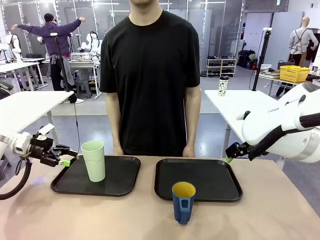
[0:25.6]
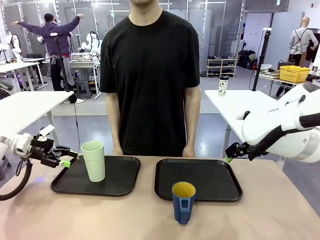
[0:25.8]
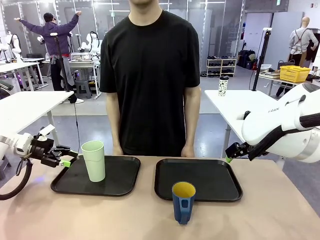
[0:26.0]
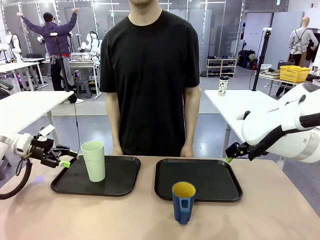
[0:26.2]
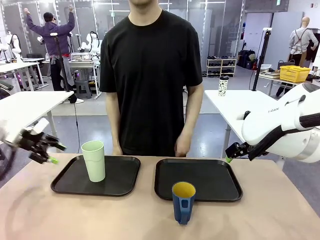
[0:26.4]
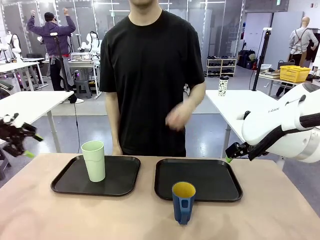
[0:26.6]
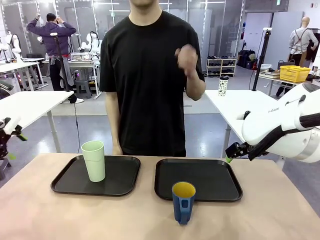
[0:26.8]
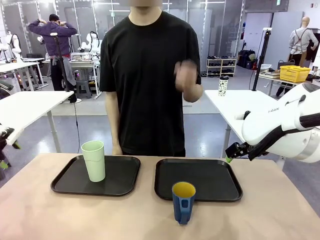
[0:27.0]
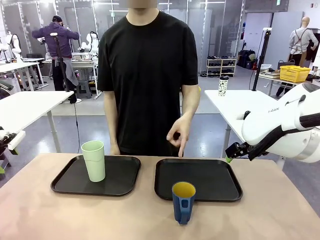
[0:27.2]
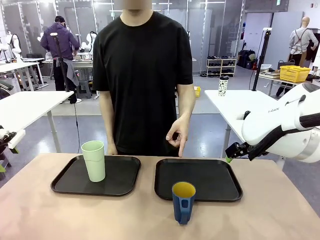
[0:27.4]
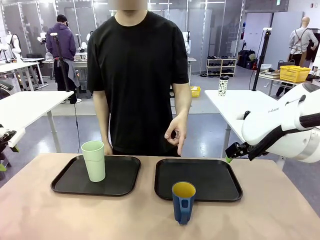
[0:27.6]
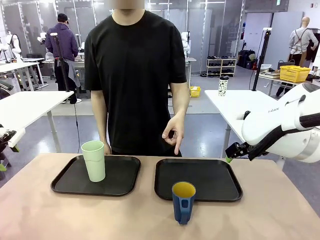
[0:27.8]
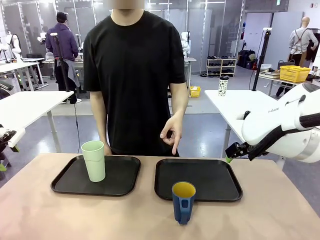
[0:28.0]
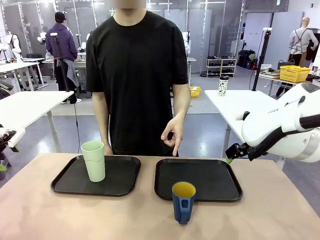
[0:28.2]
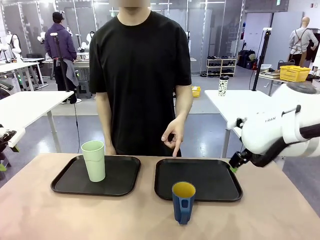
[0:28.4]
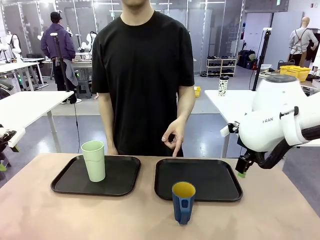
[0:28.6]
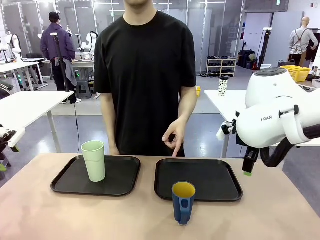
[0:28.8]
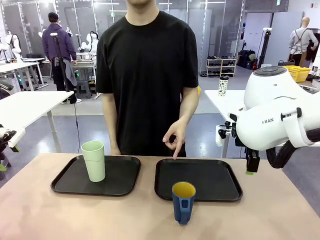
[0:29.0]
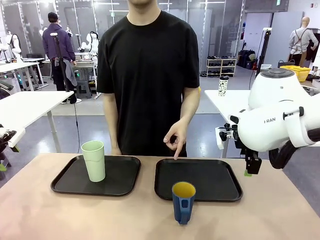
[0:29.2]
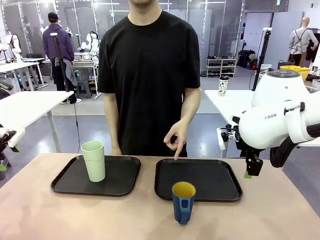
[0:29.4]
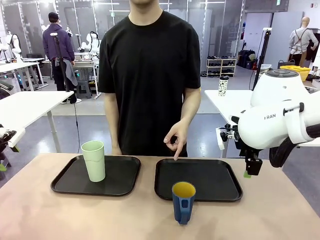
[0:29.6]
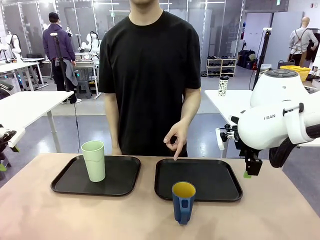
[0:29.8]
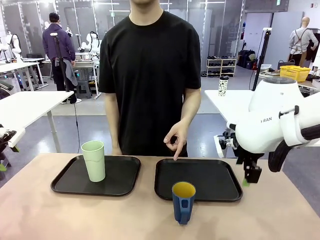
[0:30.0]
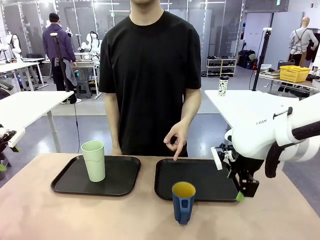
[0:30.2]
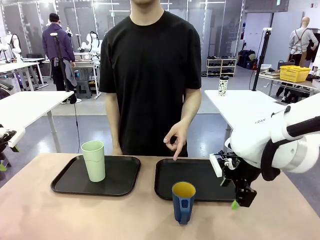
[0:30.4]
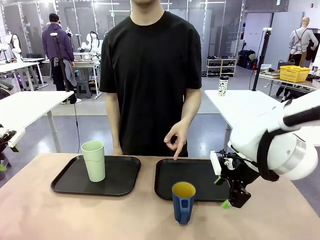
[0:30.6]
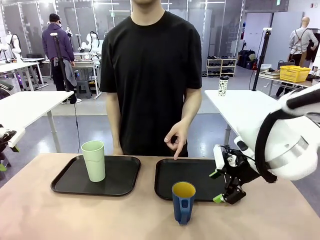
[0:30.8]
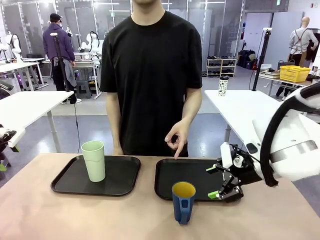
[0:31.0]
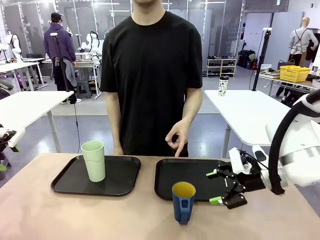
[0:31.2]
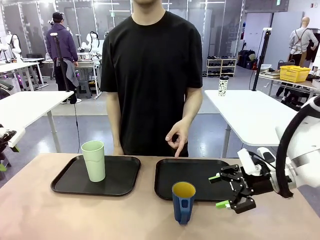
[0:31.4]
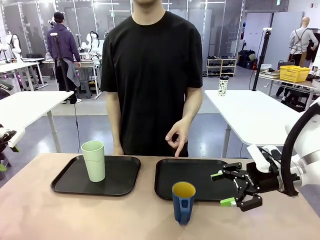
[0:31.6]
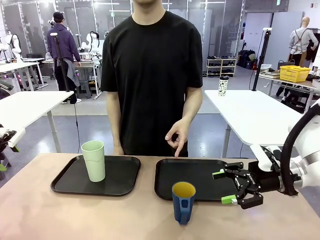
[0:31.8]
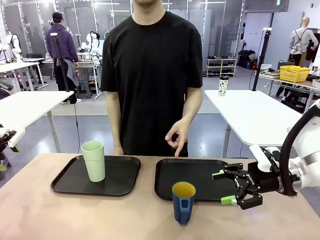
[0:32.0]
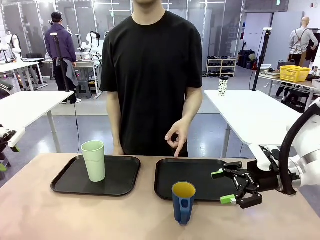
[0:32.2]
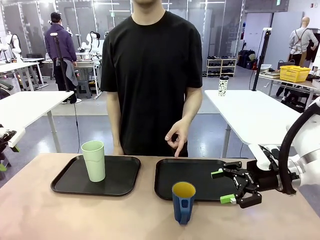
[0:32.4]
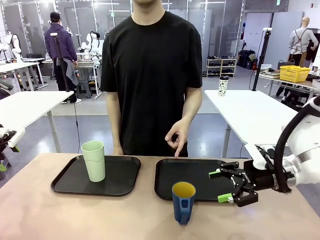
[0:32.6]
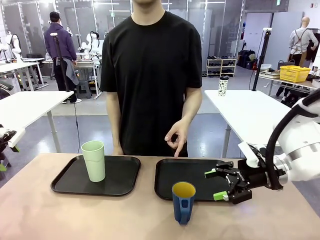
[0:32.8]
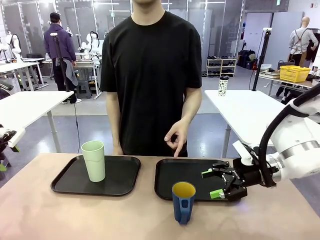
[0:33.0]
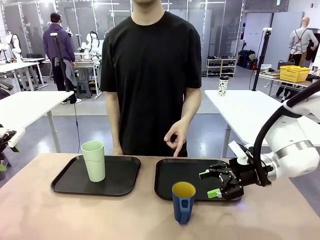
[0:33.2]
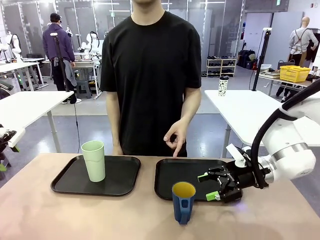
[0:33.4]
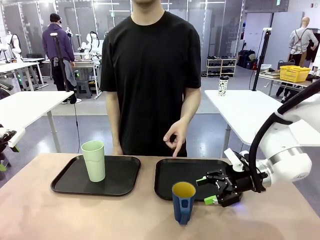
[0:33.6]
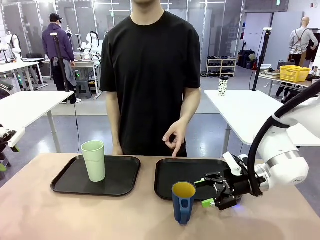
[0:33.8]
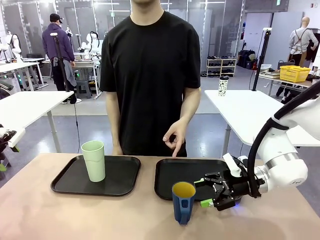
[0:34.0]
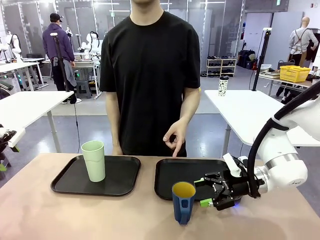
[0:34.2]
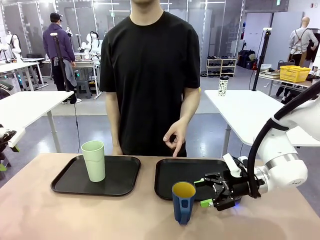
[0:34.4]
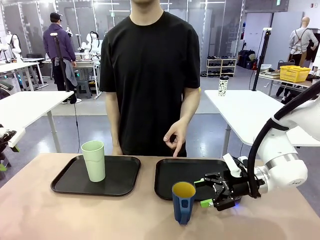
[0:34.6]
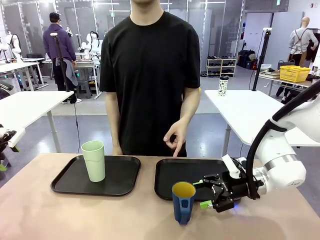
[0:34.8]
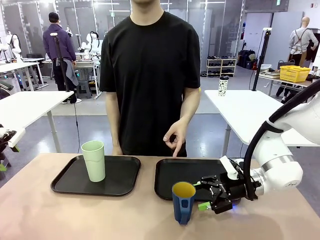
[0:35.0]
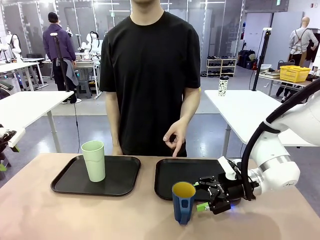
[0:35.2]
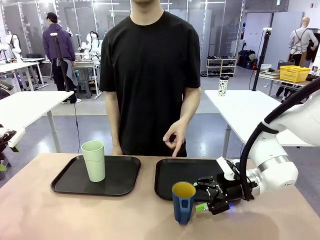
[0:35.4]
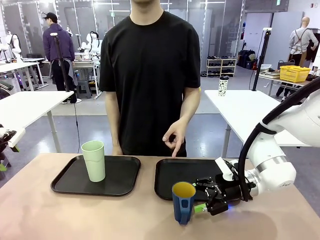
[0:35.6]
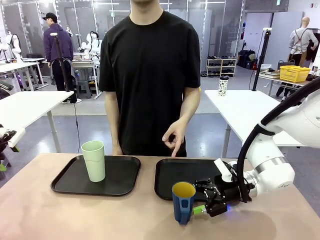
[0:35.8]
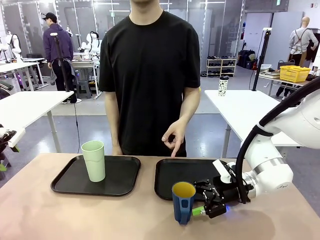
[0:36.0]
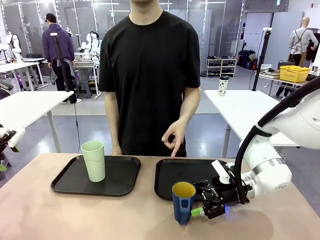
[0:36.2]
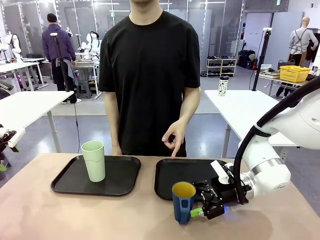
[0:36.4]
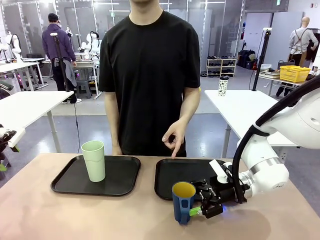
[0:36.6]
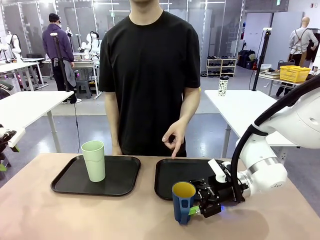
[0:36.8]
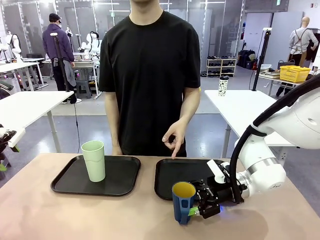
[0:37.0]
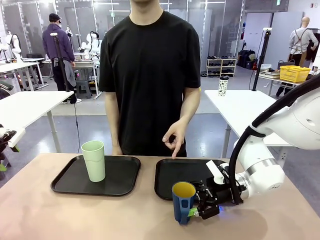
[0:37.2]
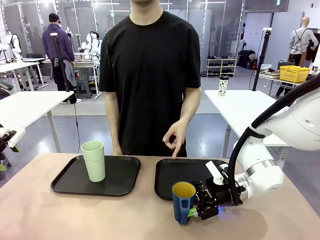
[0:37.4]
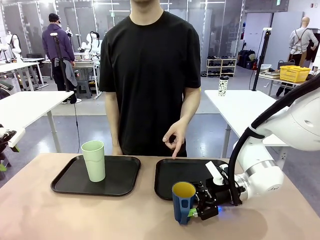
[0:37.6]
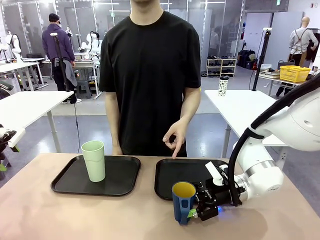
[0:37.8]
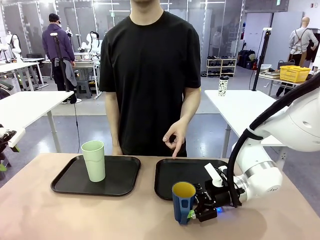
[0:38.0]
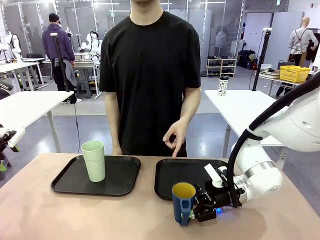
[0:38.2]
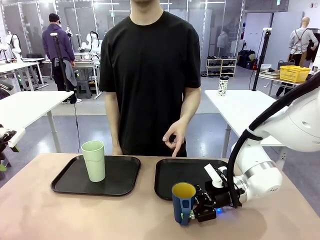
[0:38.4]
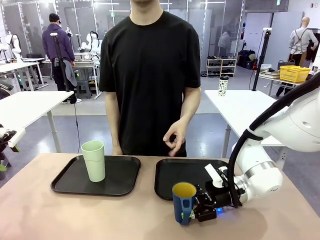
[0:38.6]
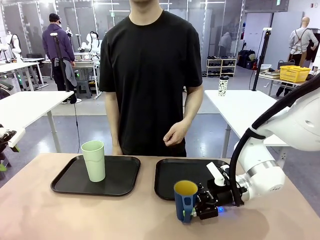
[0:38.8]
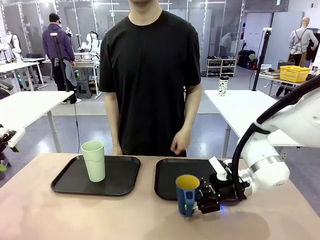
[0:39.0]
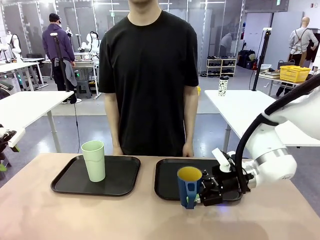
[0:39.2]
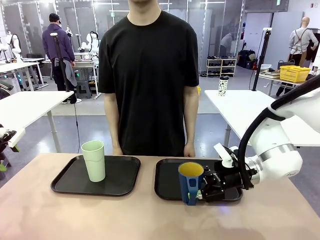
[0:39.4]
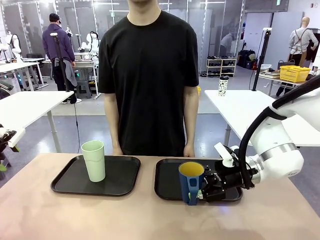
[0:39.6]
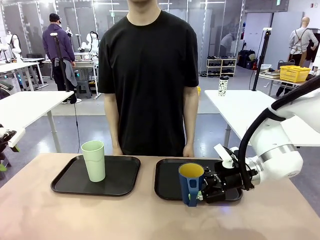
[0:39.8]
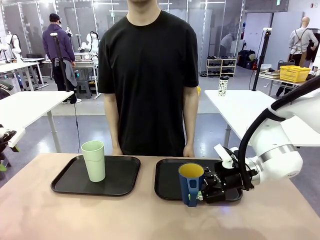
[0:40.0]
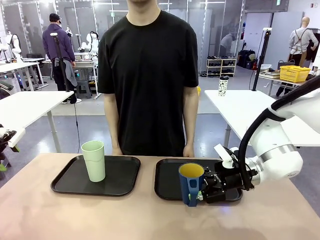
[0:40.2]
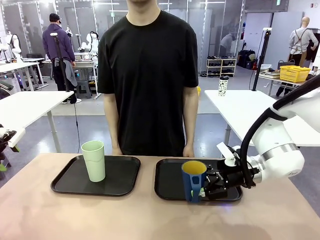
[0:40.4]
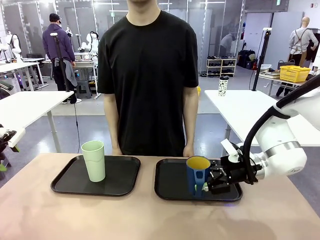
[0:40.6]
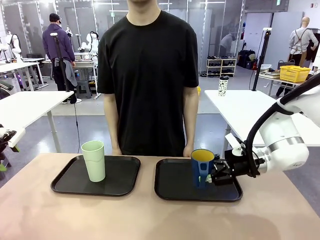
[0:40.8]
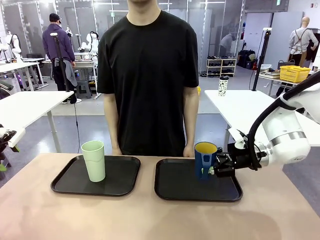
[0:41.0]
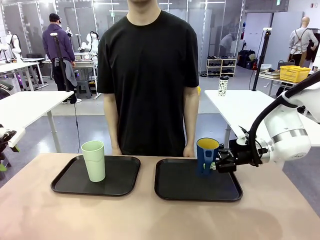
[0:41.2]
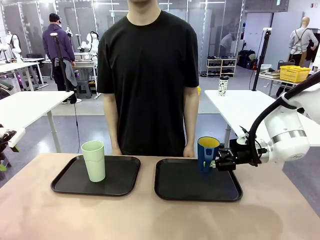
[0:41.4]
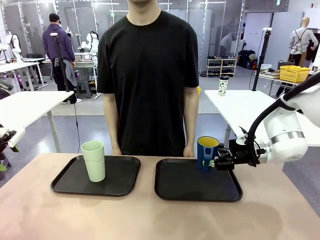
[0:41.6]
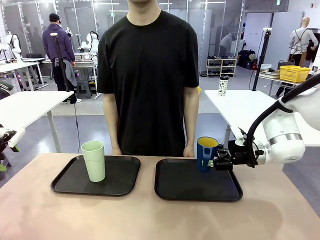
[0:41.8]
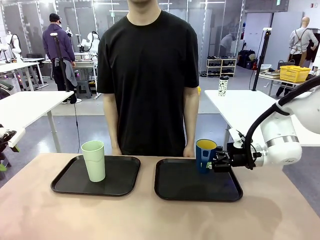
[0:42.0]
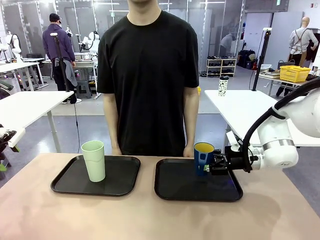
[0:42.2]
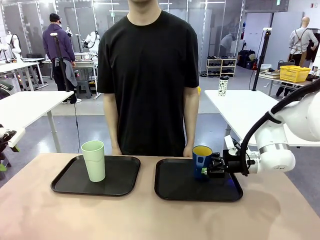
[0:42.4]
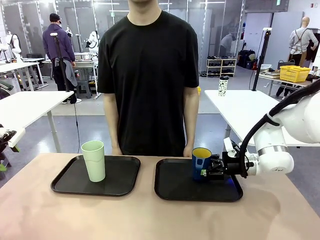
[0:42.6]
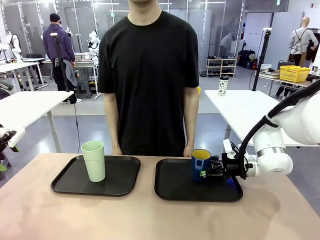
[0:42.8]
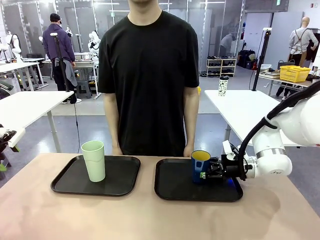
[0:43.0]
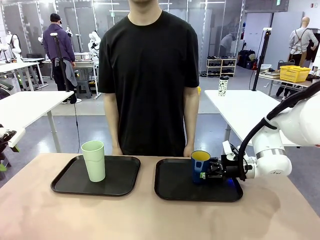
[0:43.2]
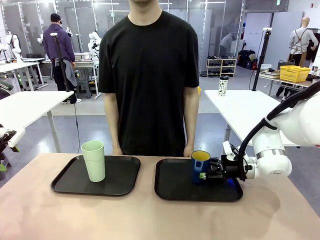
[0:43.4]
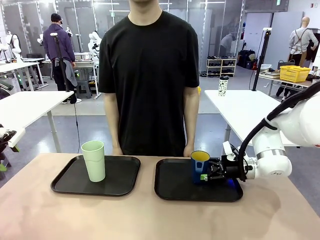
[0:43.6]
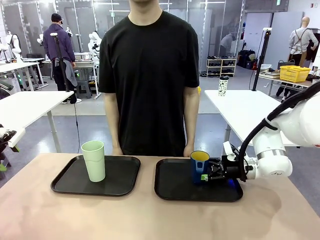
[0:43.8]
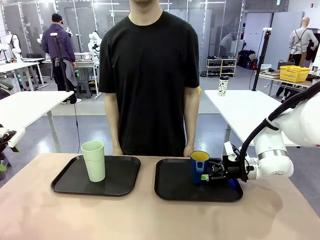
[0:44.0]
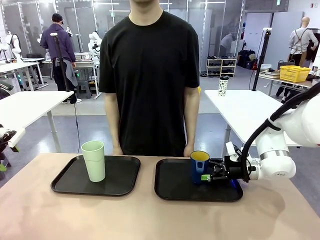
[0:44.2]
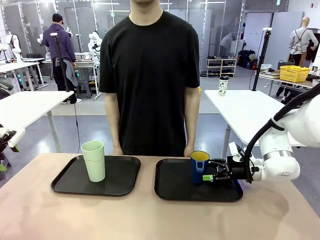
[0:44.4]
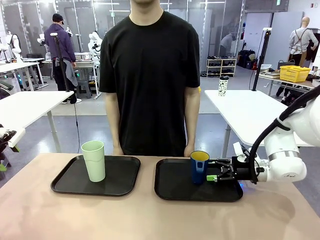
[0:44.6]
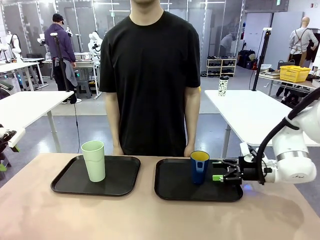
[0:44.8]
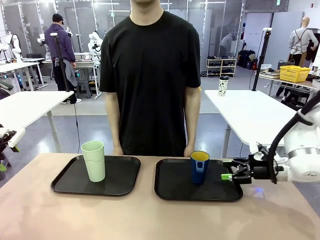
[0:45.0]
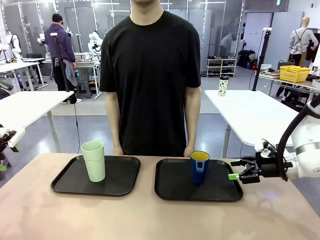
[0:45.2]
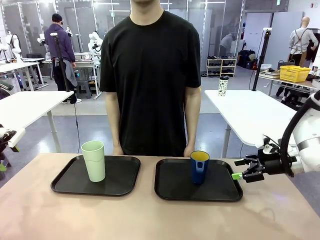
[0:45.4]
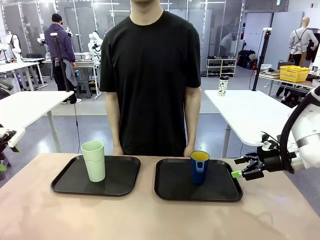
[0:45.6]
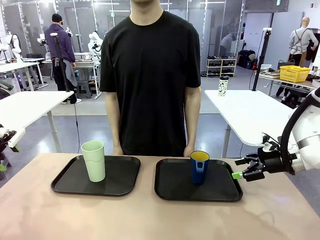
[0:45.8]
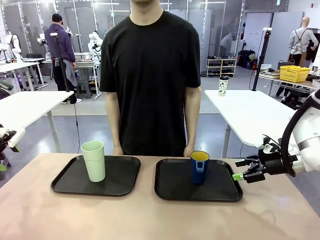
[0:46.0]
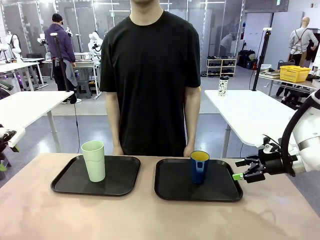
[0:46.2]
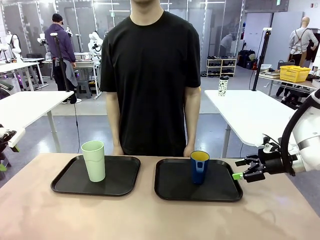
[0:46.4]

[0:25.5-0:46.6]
Task: Sort and store the cups by type.
Robot: Pick up the Handle plastic cup and place it into the empty Flat Tray.
Person: Points to the cup with a handle.
